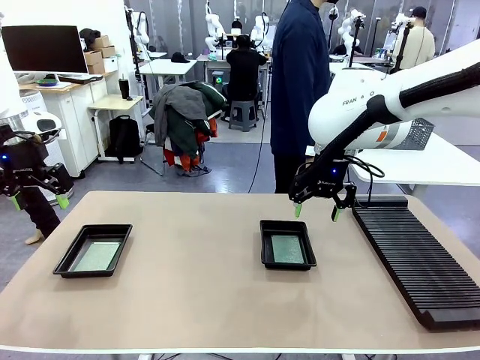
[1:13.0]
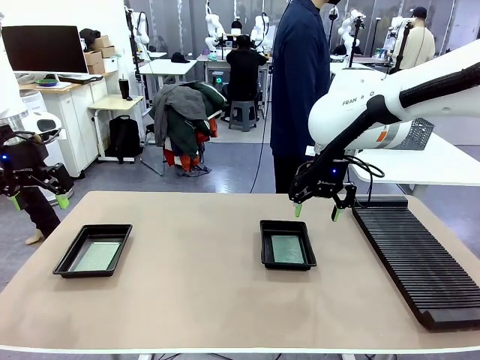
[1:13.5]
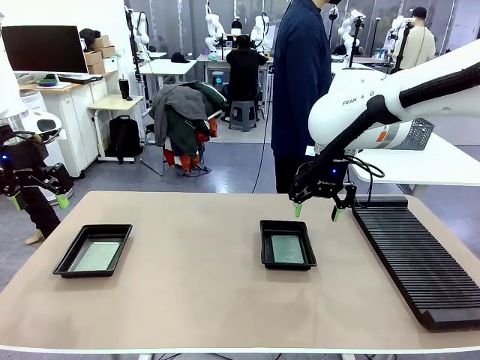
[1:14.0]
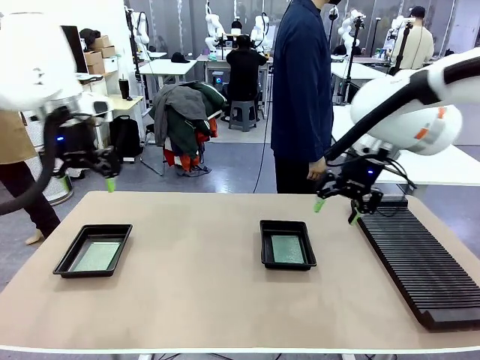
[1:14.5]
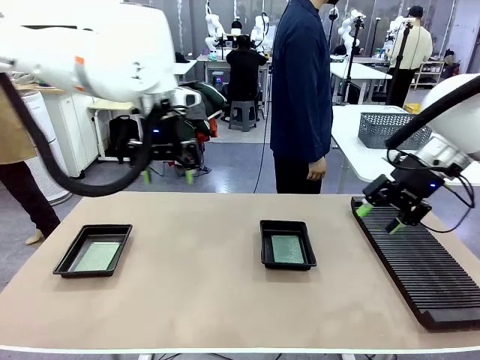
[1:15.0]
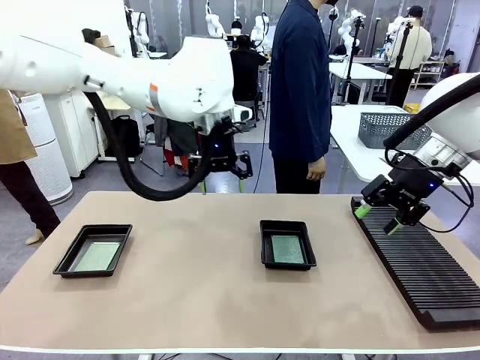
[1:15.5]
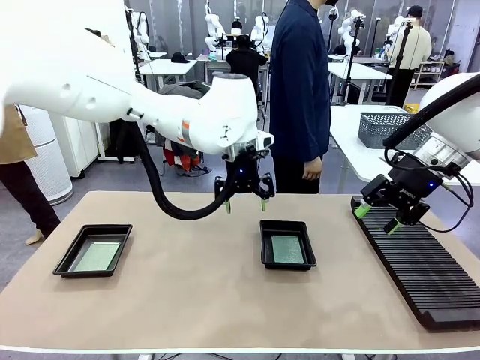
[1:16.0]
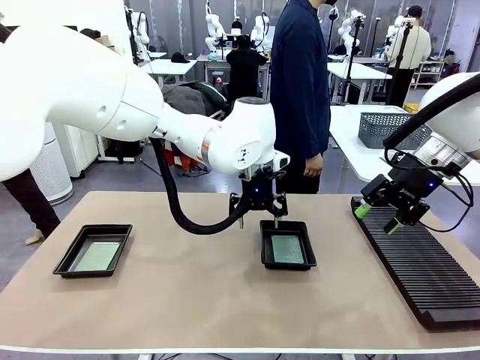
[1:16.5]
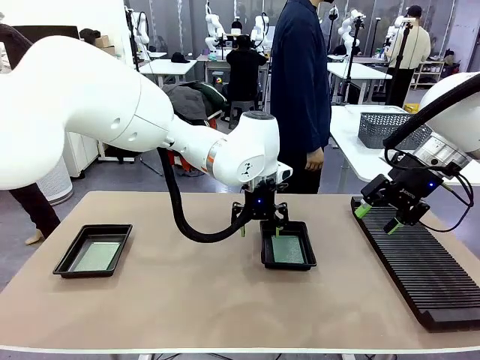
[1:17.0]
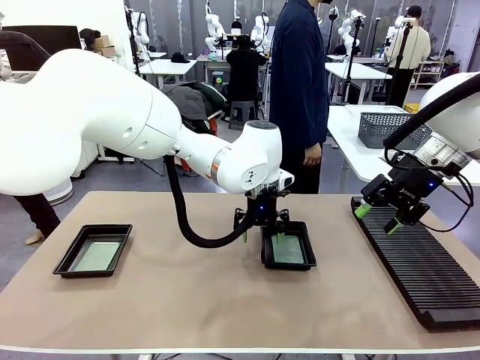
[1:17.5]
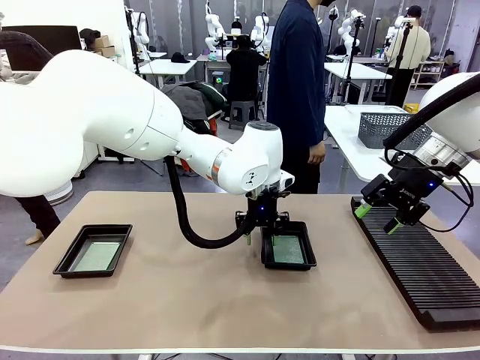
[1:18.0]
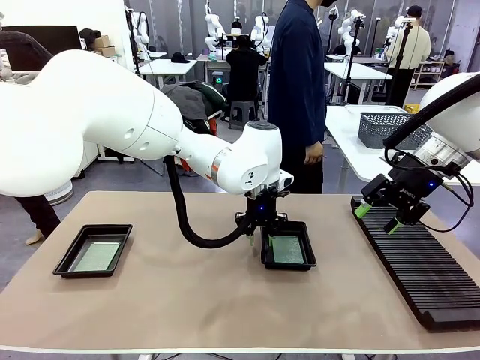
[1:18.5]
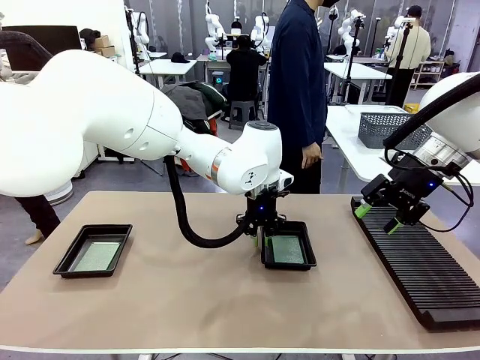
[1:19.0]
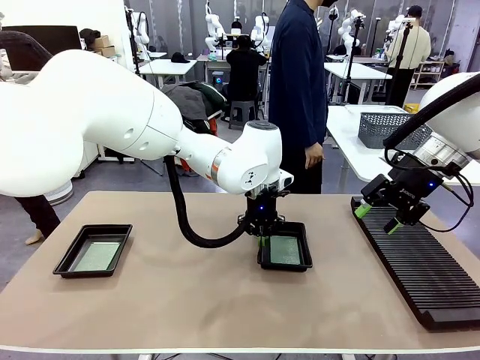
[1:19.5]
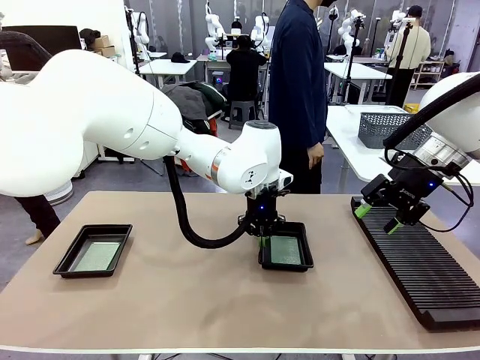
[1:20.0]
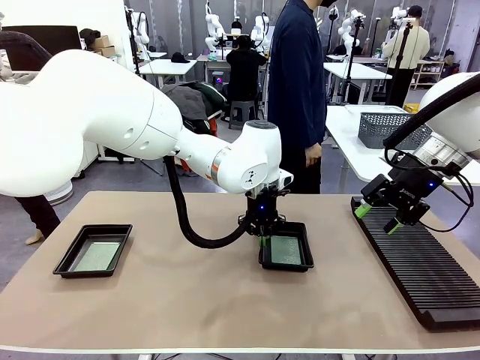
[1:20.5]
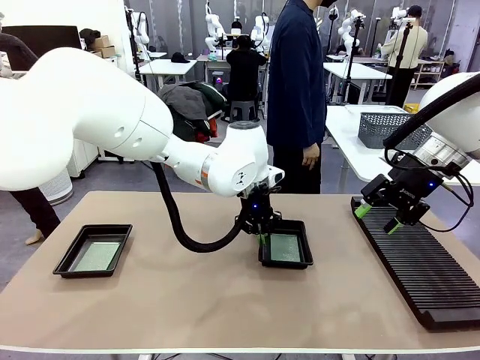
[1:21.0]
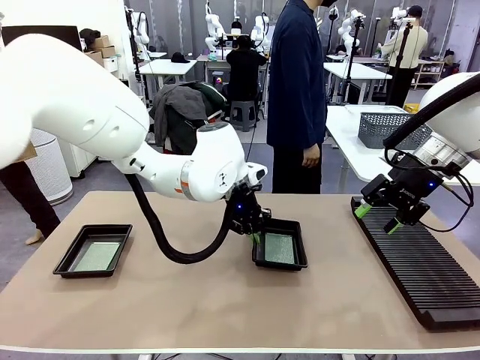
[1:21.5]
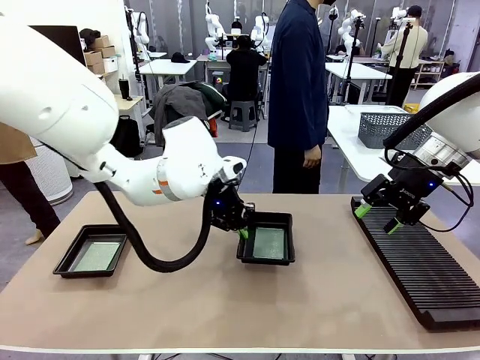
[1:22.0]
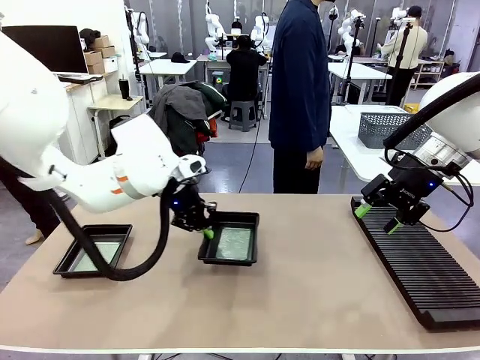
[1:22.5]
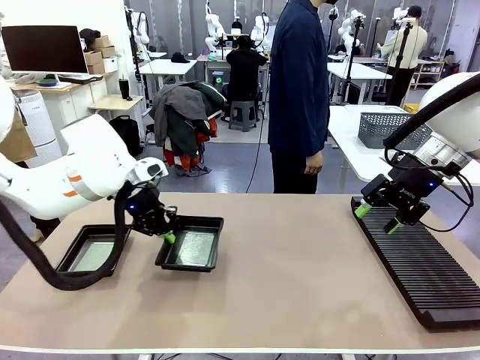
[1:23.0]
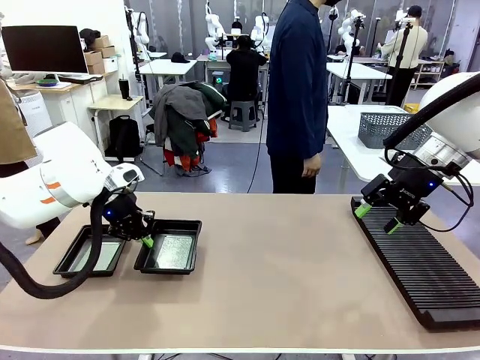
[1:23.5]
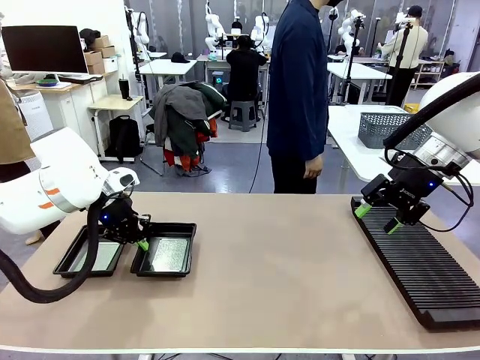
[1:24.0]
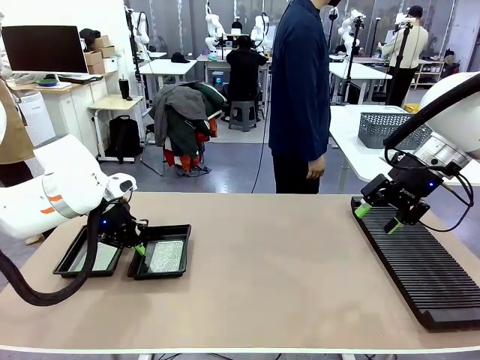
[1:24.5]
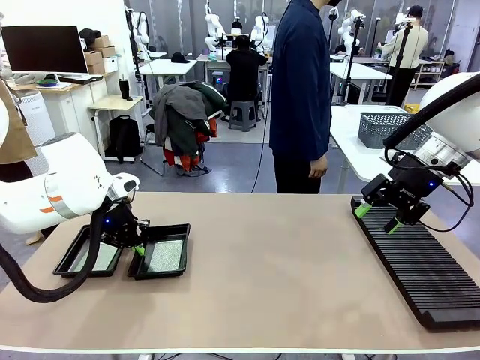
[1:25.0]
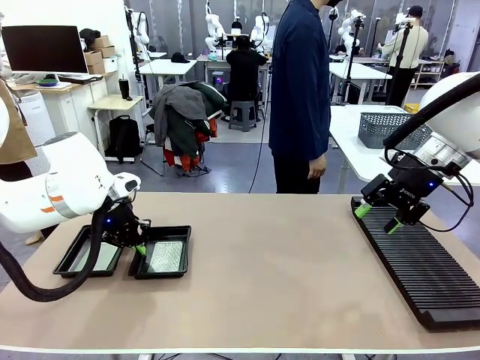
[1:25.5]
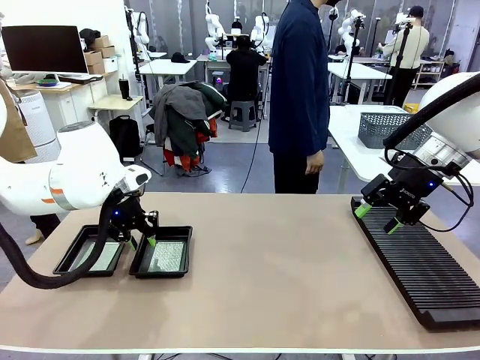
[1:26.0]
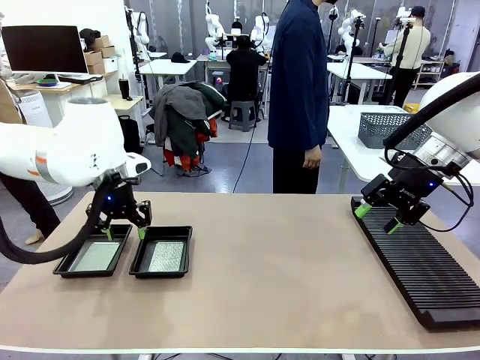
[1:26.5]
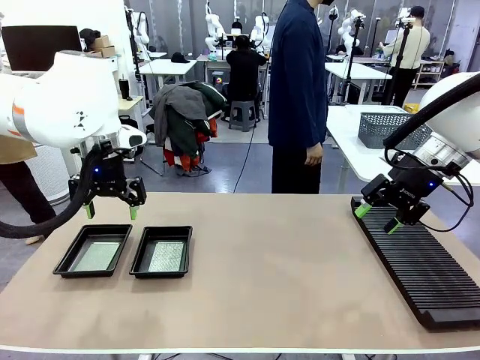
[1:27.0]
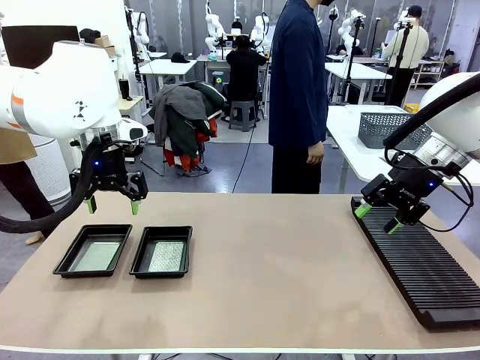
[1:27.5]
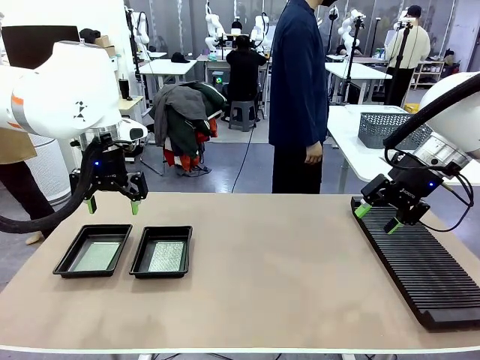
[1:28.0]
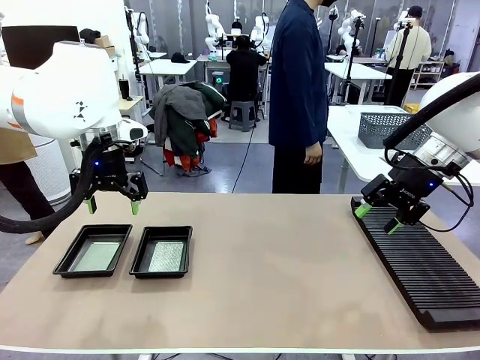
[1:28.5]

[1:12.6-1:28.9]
Task: Inspect and transfer BCBs to ESD trays.
Robot: Pick up the ESD tray and place it on the left side of the table.
